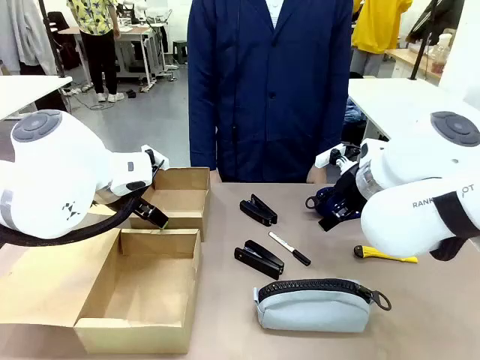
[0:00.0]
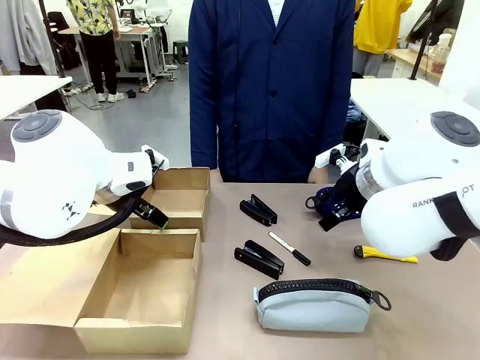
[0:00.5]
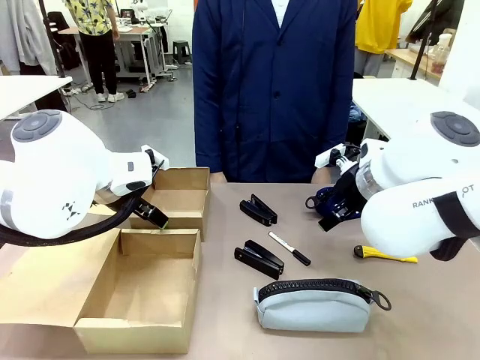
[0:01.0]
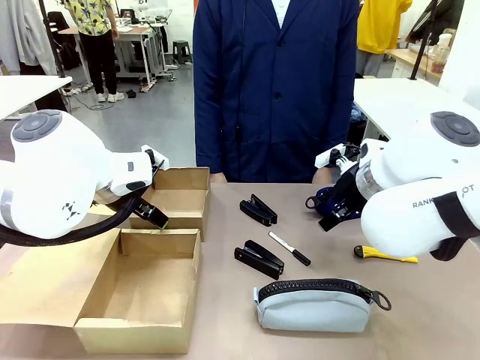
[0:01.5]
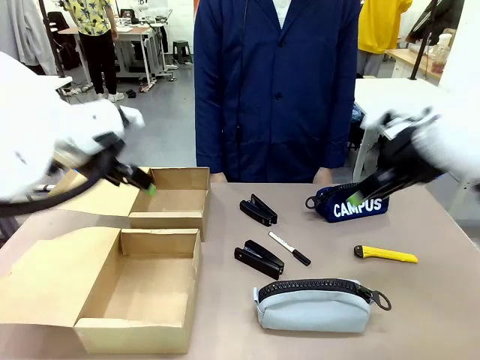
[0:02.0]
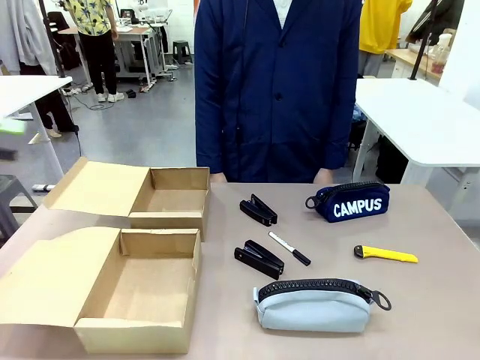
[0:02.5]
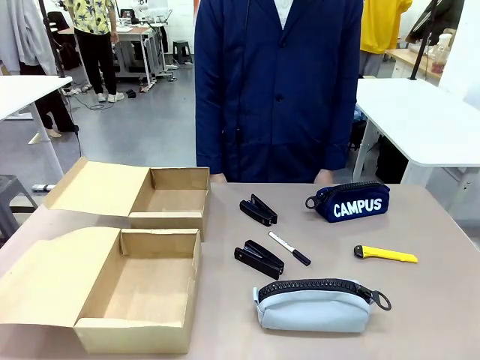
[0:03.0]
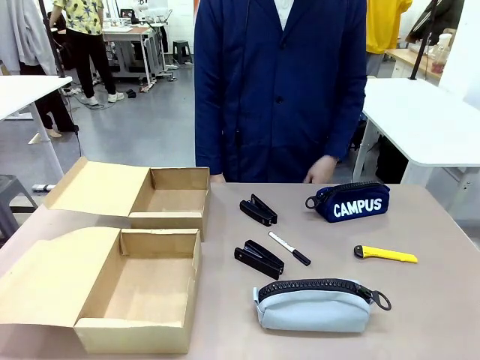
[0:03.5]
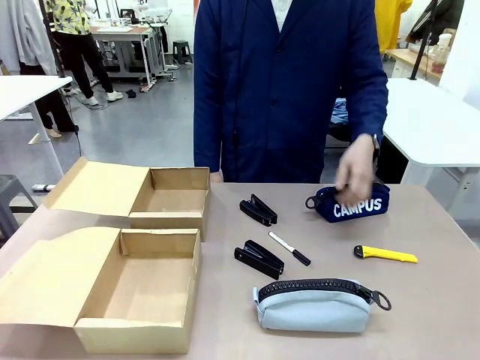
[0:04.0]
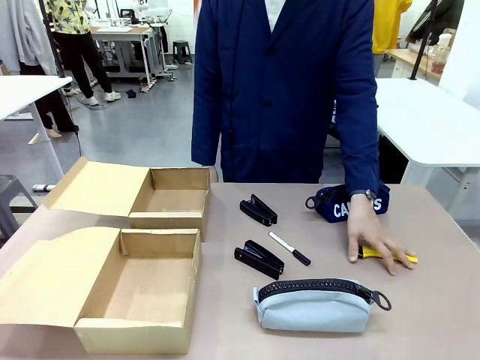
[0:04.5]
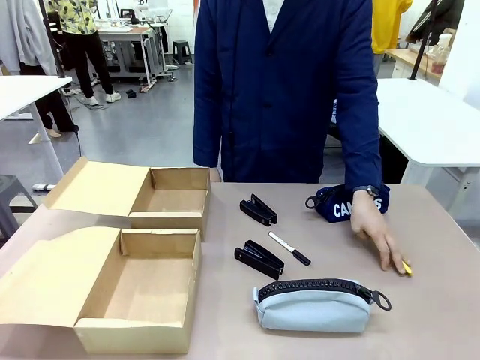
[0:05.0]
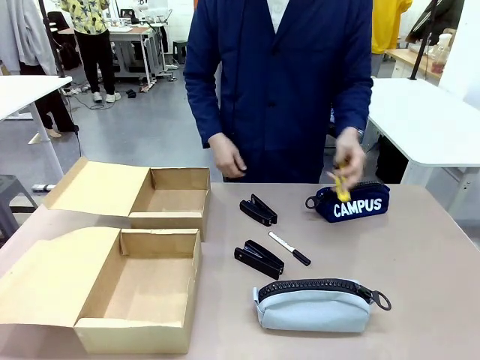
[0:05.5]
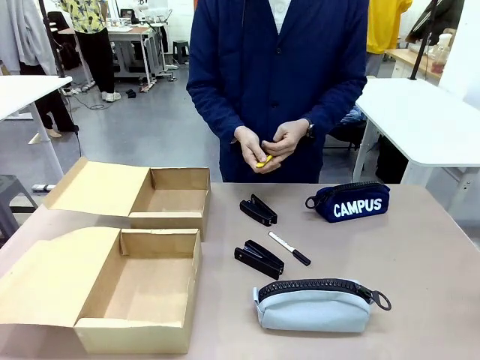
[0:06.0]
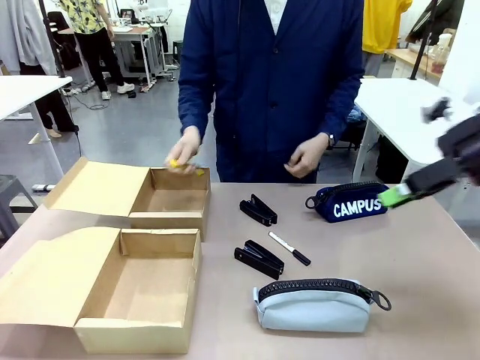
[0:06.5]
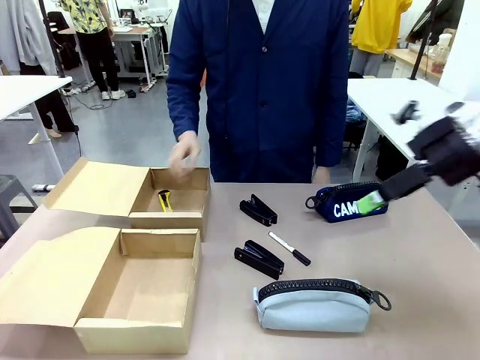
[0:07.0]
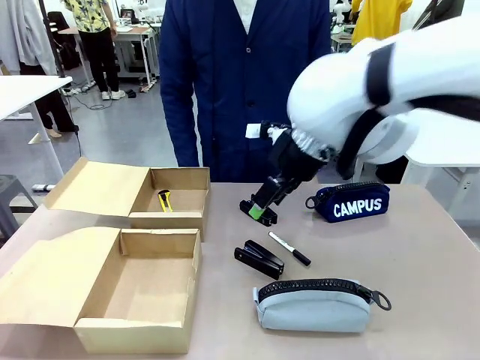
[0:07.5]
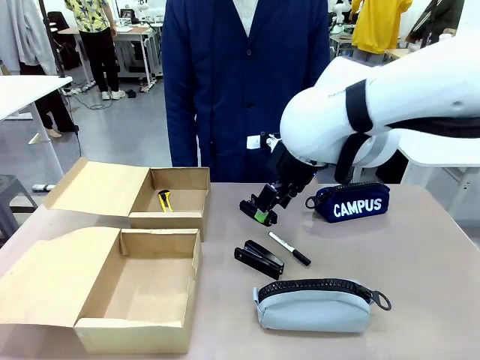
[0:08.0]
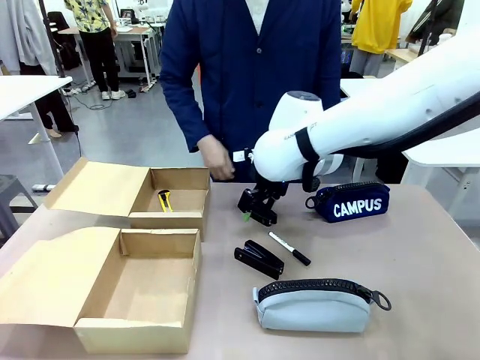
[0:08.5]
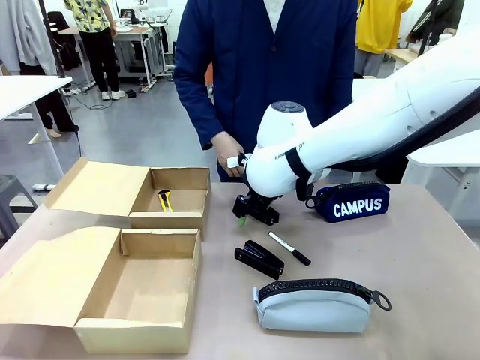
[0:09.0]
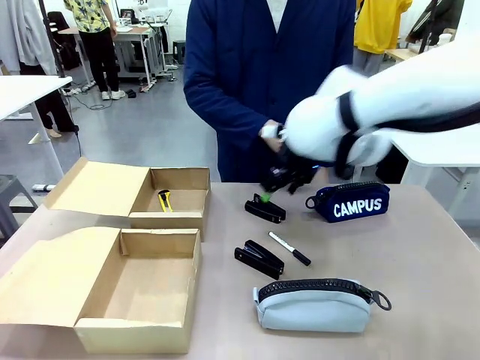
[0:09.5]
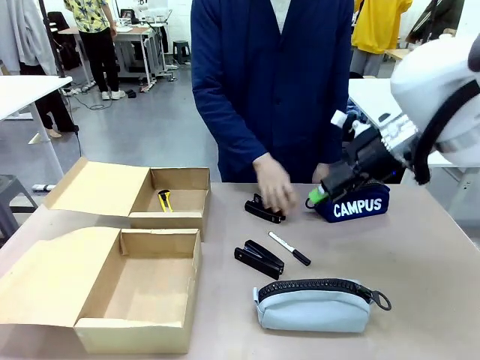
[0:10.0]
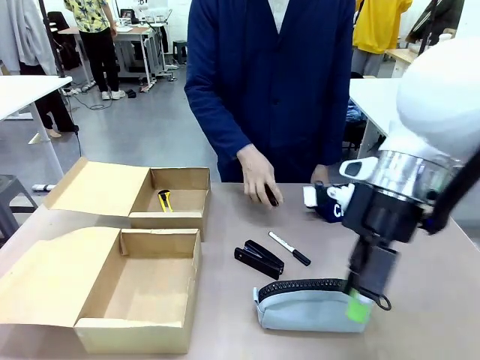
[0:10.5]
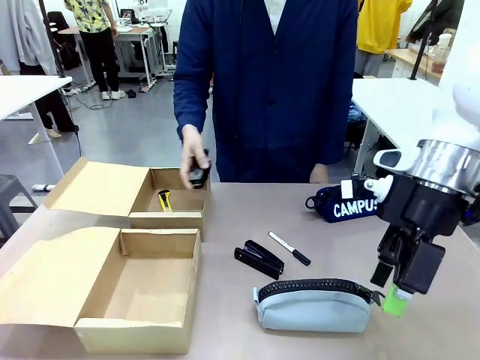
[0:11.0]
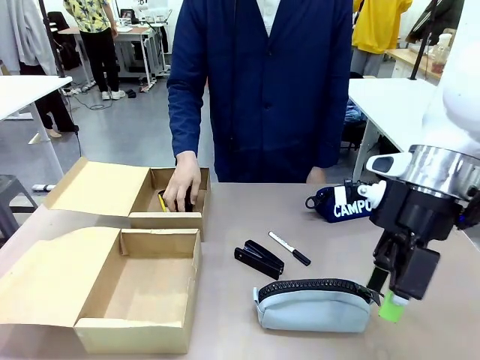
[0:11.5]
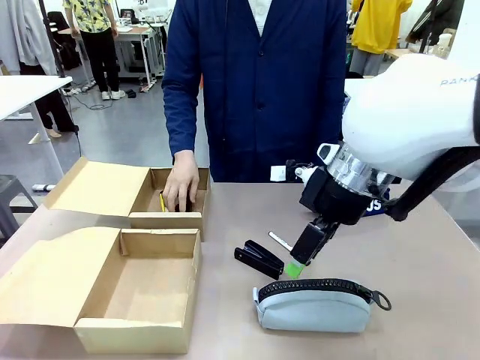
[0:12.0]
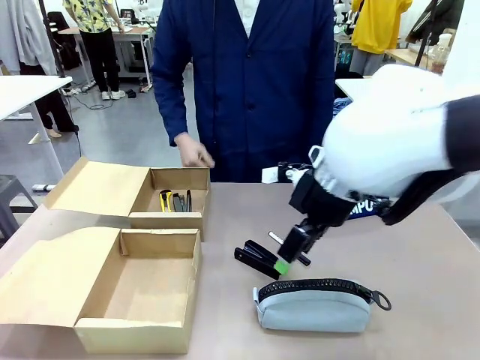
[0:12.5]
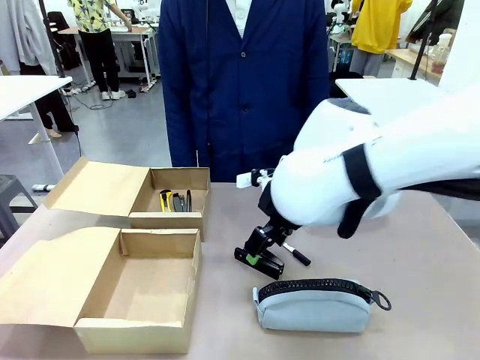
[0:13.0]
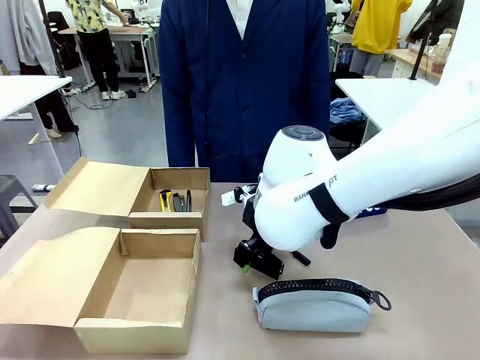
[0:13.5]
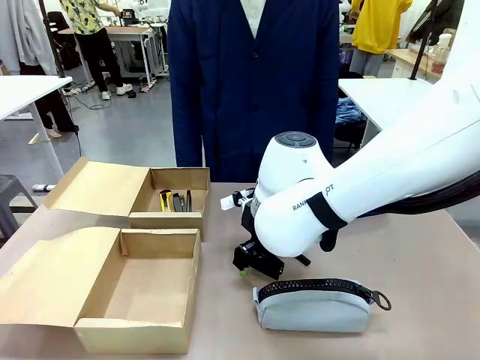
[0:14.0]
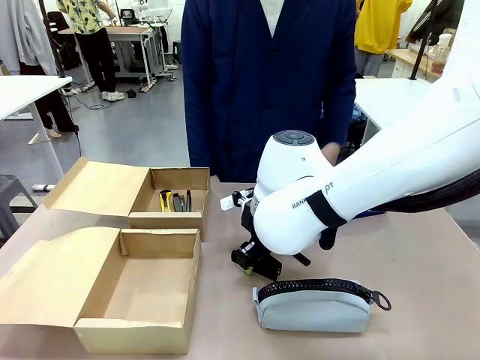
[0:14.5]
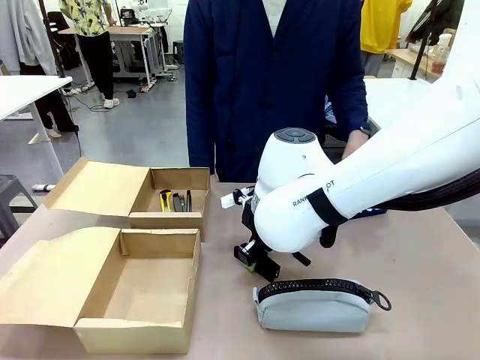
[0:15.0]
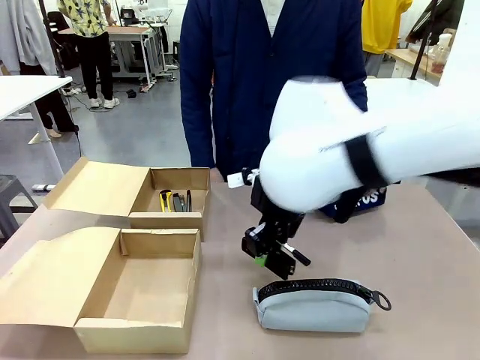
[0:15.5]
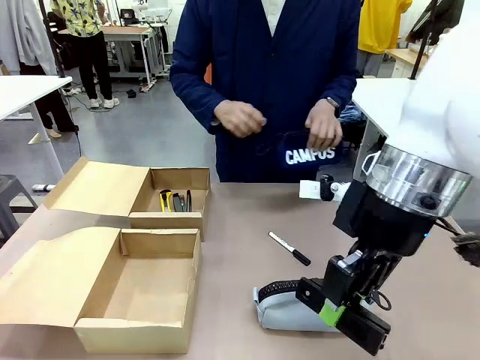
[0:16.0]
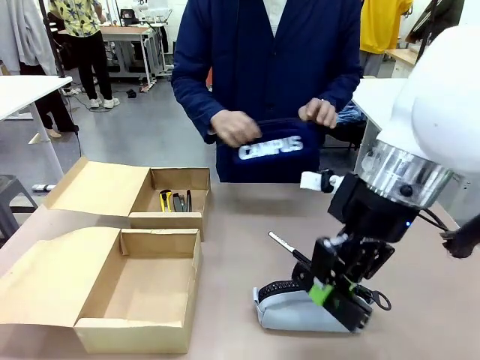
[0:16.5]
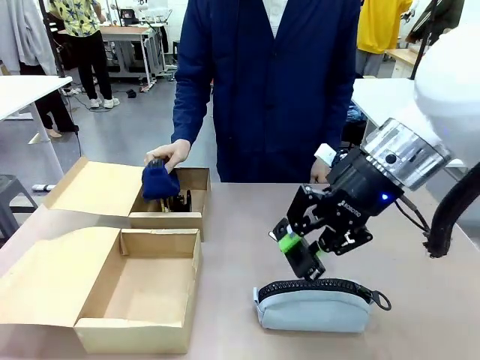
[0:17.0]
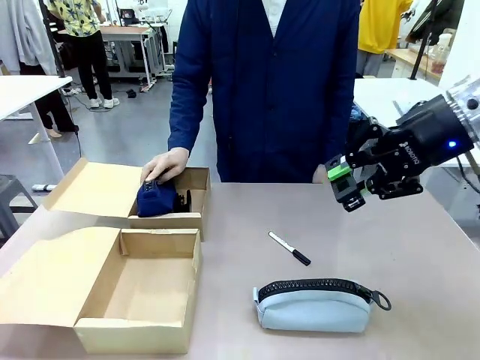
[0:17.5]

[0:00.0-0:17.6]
Task: Place items inside the box.
Robot: Pick up a Pencil pouch or Stapler and place it inside the Mailer Box closest to the robot.
Person: Pick up an object on the table and put it in the box.
